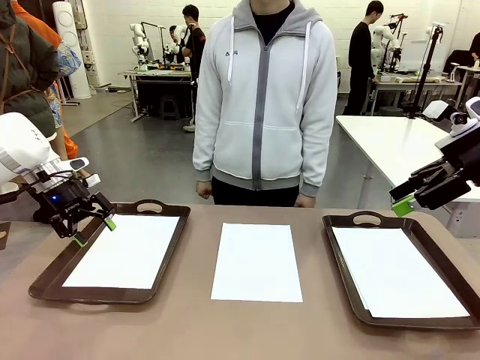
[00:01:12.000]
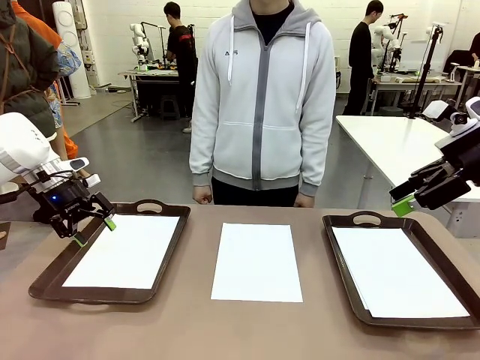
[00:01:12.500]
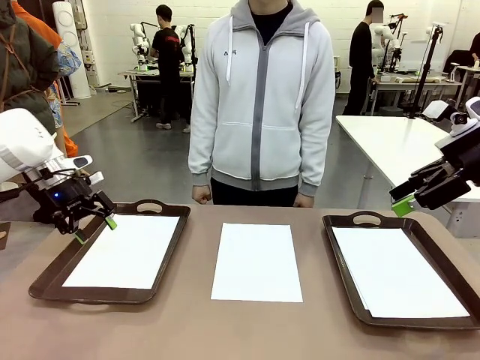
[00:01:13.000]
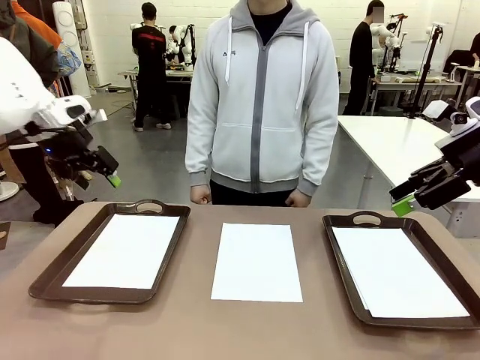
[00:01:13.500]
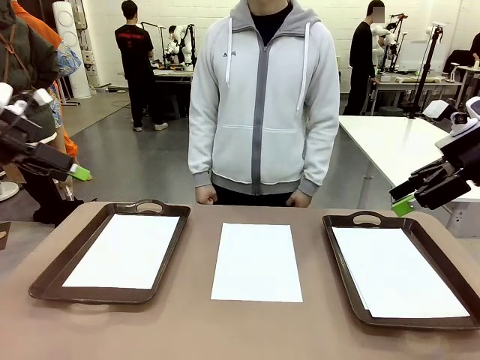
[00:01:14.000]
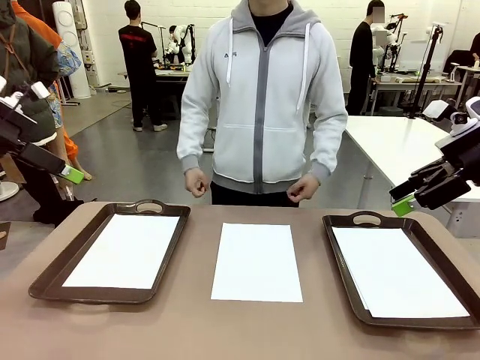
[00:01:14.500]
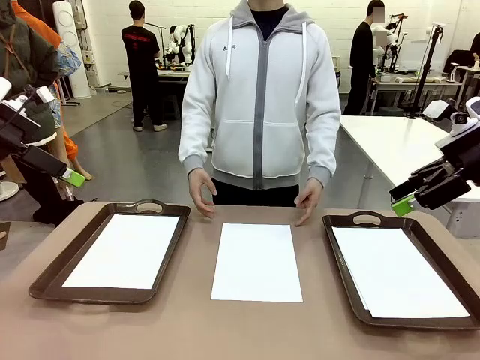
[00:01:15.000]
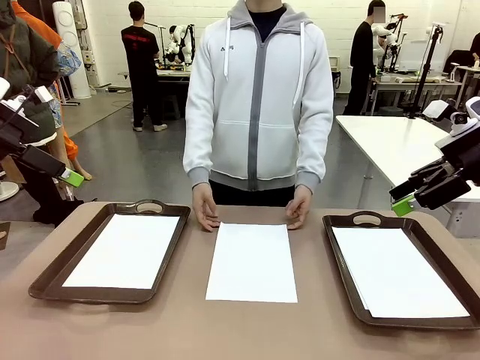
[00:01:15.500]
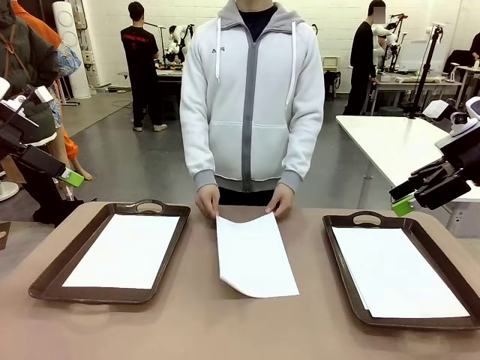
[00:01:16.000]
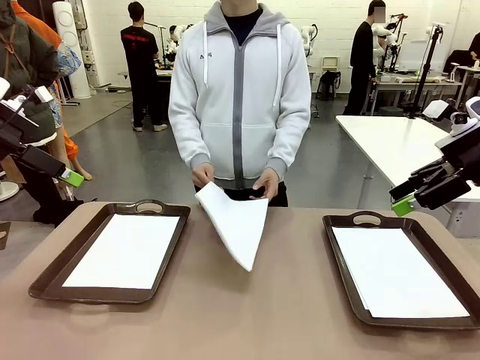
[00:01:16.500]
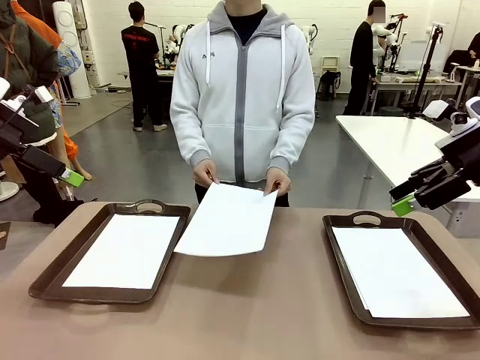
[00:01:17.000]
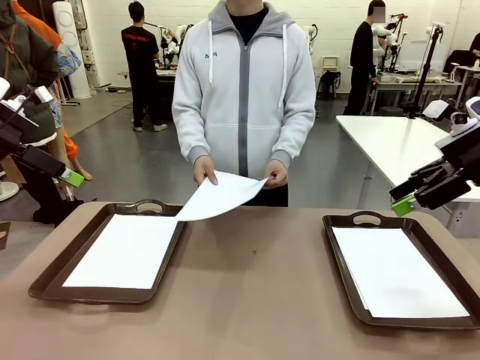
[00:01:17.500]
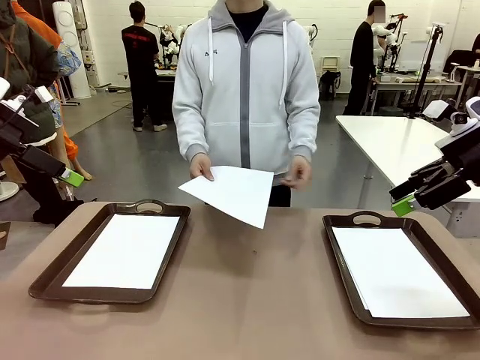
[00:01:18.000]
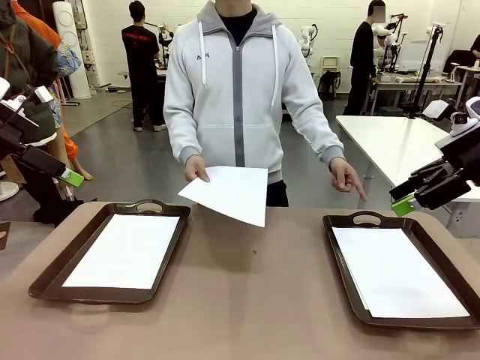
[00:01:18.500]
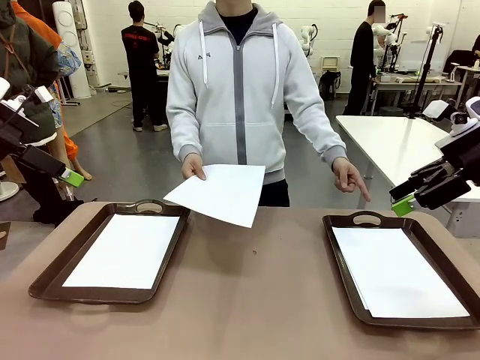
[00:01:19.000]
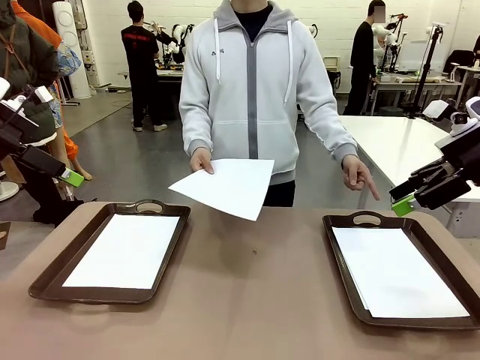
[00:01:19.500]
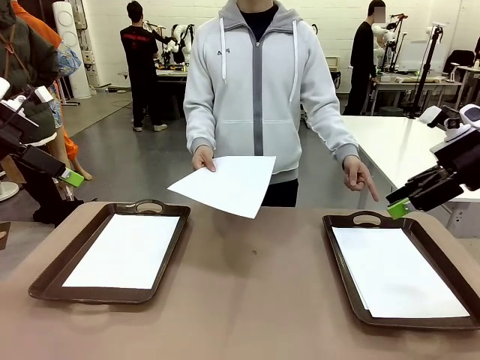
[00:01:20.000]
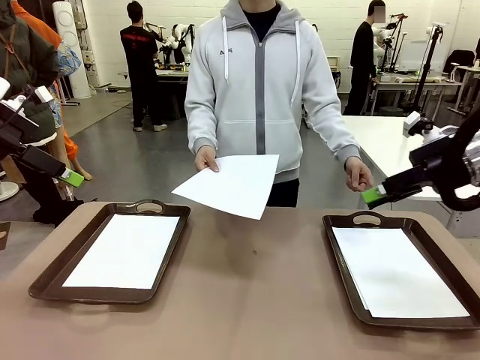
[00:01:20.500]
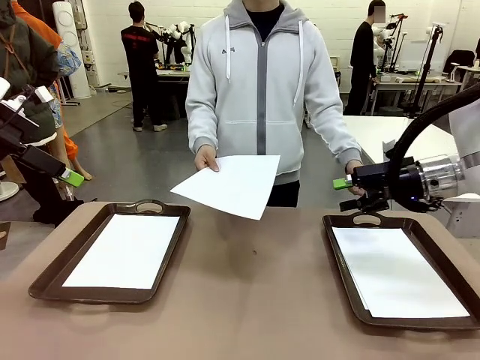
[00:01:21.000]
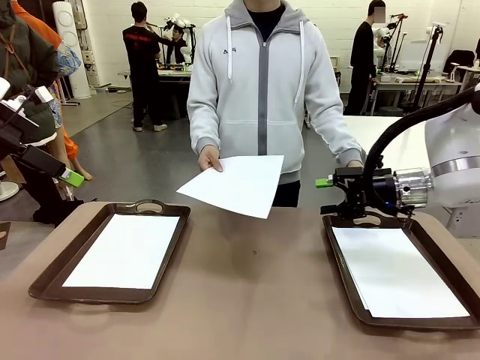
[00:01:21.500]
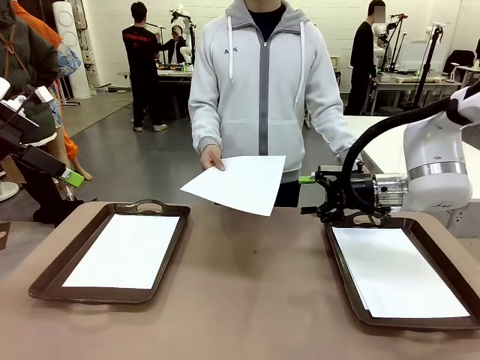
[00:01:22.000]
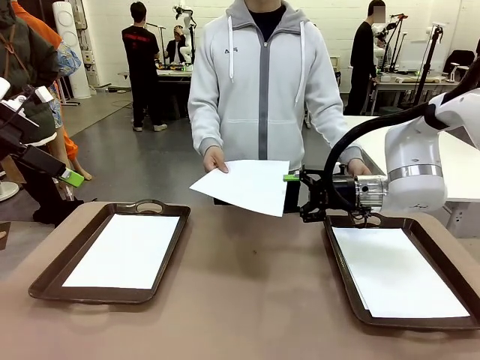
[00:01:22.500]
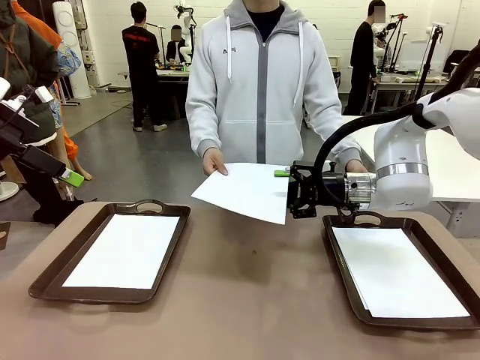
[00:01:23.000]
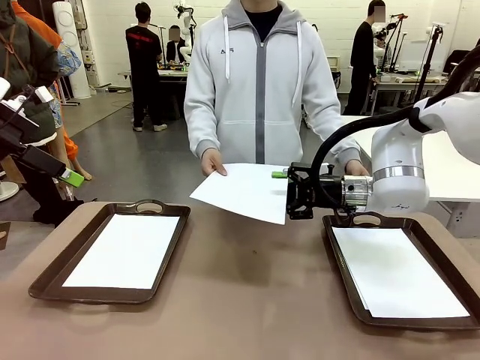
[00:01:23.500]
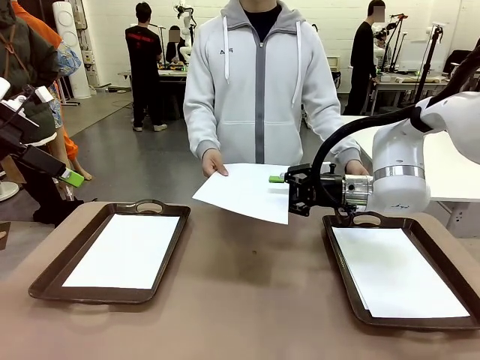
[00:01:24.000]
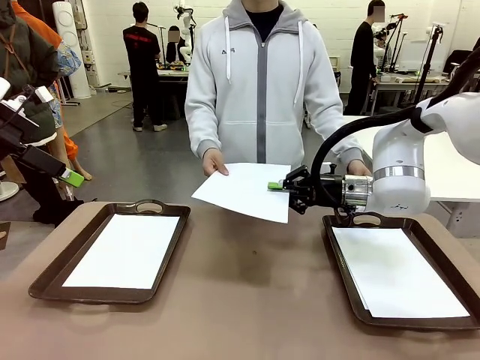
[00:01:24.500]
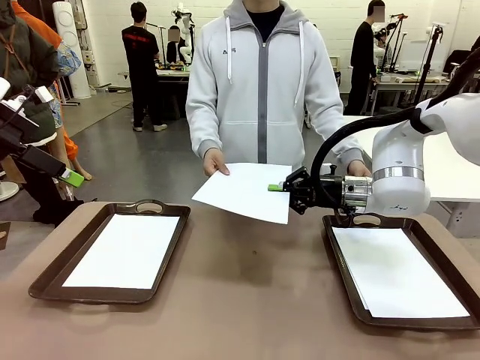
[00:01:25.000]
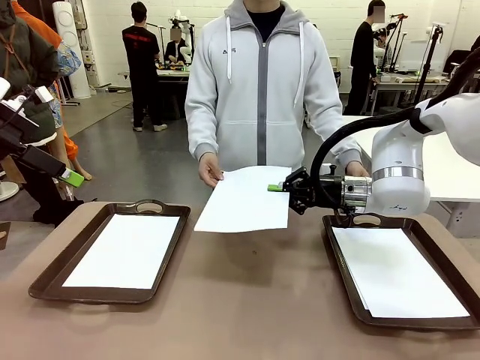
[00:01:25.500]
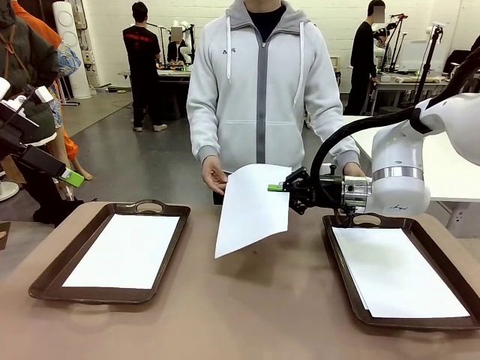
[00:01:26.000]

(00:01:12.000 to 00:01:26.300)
Task: Sort the A4 documents.
Robot: Receive the A4 Paper.
Person: Point the randomly selected tray with the other hand.

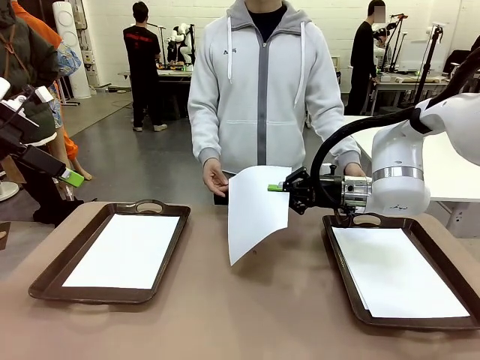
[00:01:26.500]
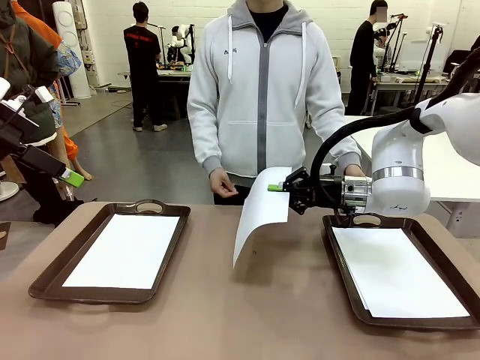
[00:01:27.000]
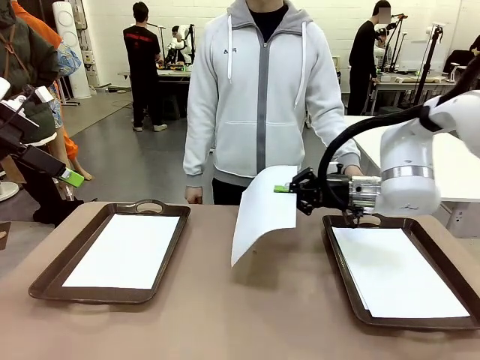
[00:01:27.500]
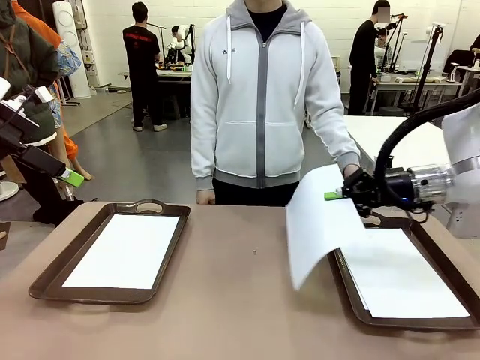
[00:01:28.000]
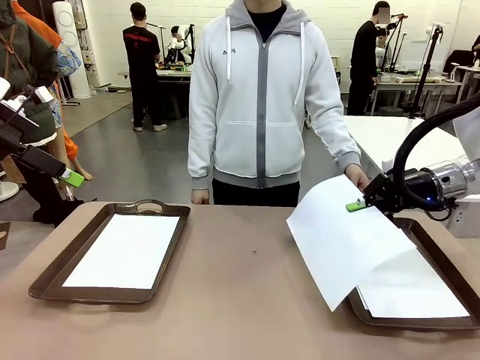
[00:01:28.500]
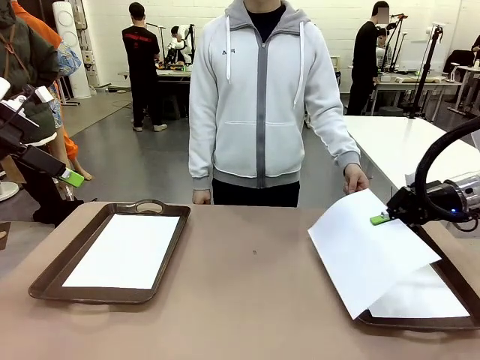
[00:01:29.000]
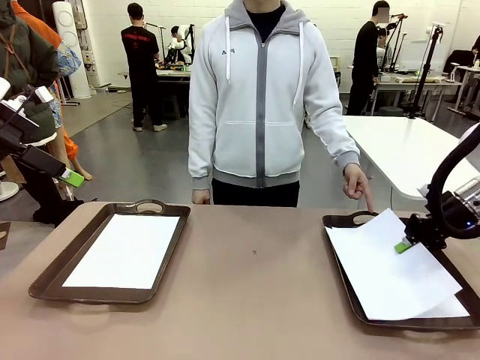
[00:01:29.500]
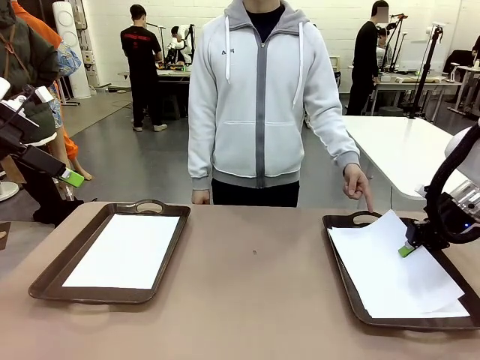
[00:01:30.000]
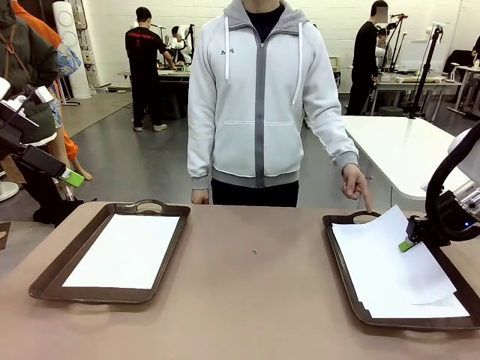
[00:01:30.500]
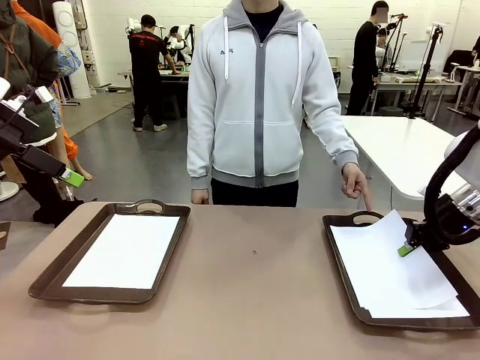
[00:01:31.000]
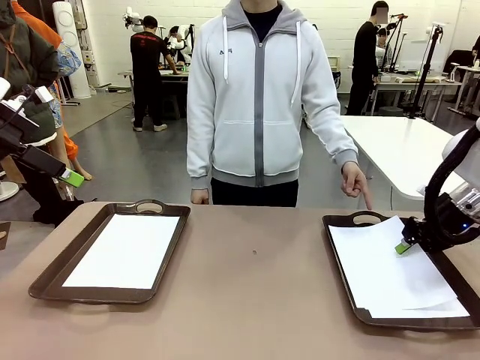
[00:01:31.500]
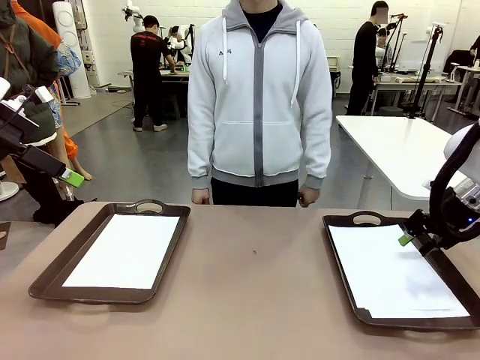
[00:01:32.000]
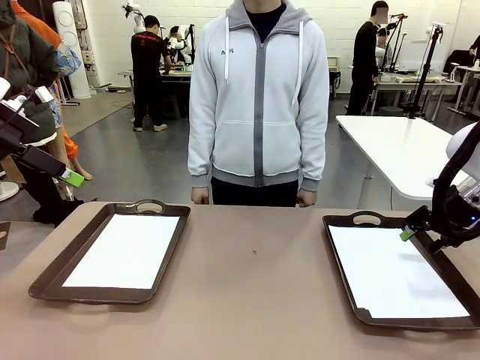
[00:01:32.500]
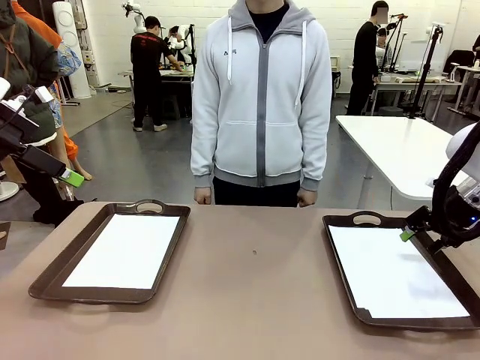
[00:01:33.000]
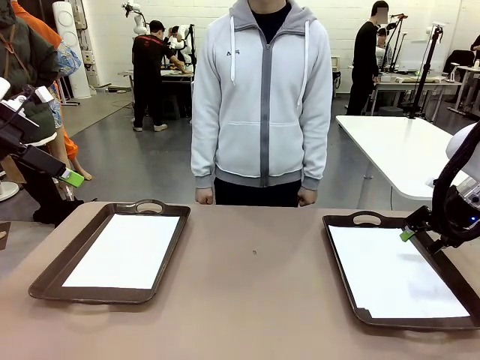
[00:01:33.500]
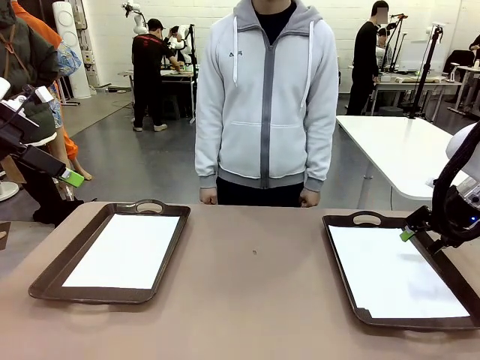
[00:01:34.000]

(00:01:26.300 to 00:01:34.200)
Robot: Place the A4 Paper in the designated Handle tray.

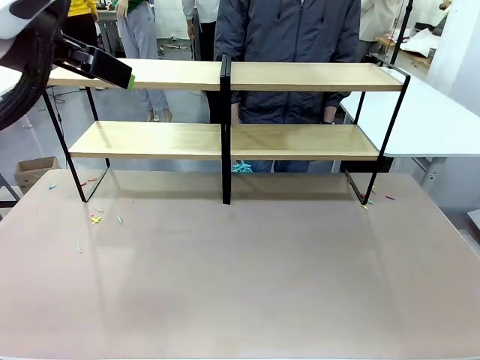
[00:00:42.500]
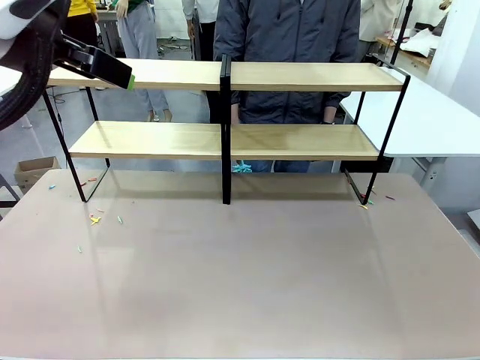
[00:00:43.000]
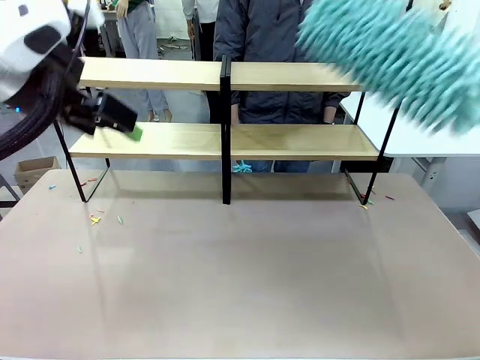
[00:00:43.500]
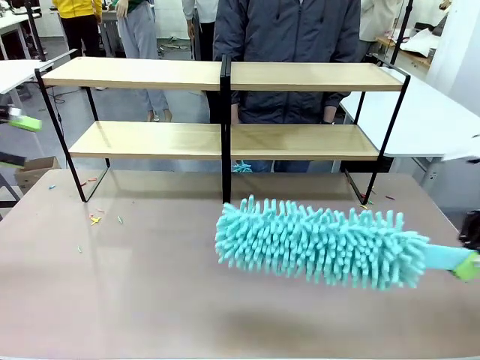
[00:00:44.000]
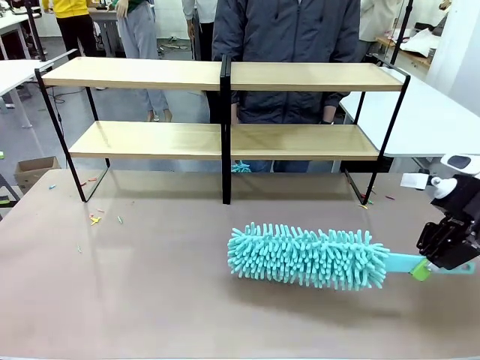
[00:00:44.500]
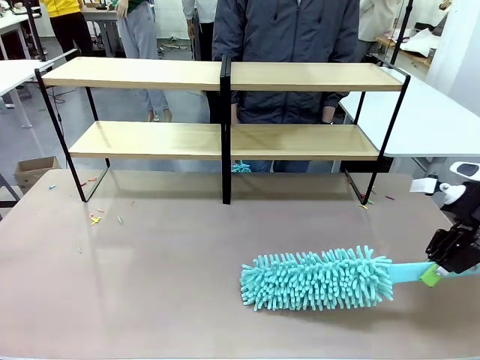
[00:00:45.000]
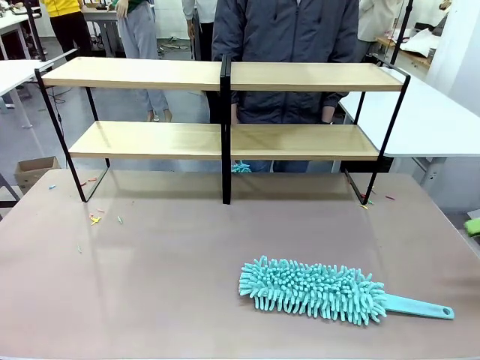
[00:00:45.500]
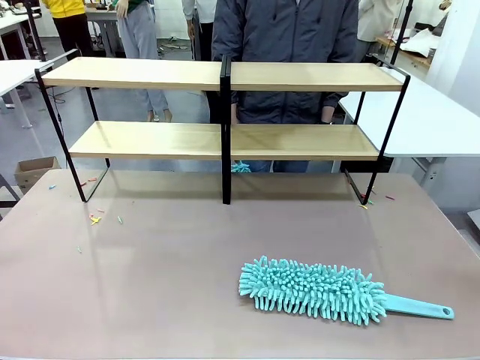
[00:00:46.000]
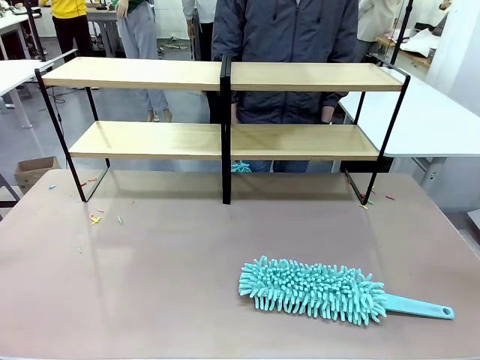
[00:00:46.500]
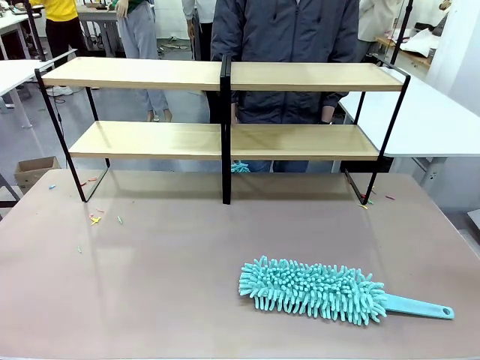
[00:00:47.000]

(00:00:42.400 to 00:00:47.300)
Task: Clean the shelves.
Robot: Place the Duster on the table.
